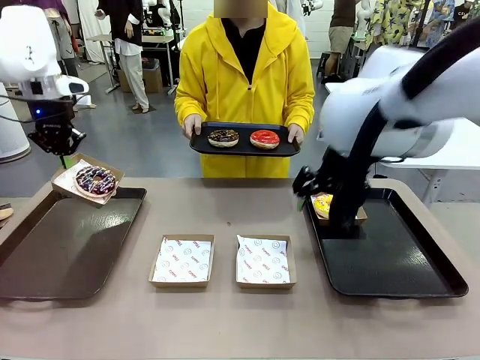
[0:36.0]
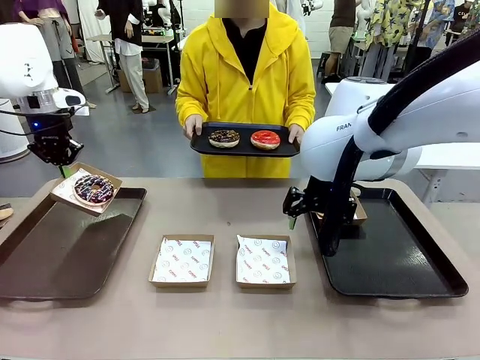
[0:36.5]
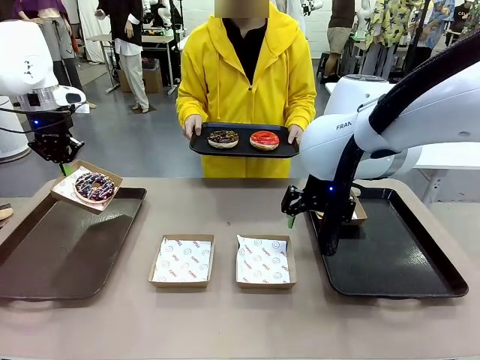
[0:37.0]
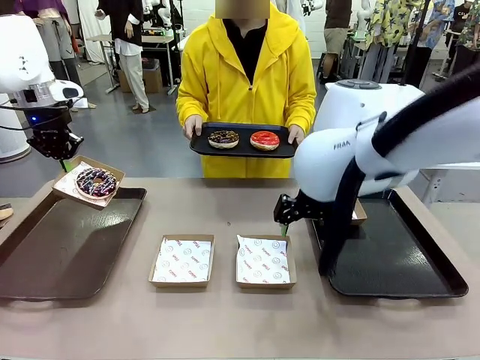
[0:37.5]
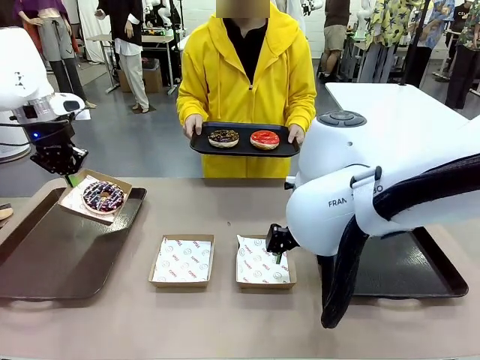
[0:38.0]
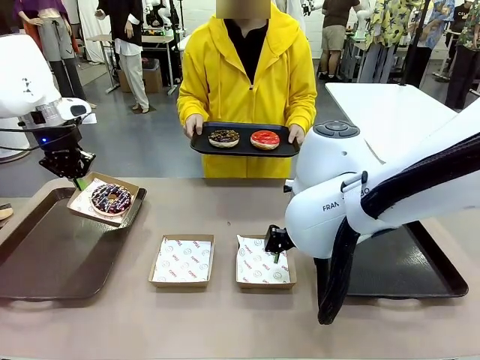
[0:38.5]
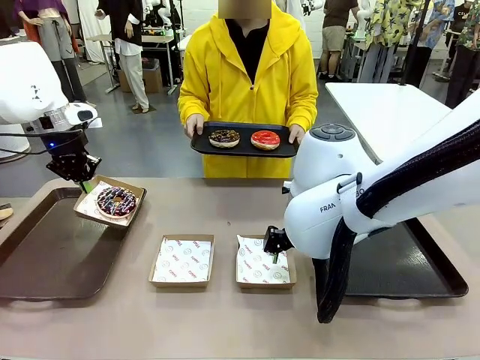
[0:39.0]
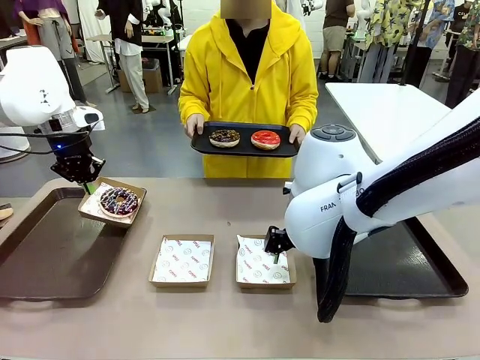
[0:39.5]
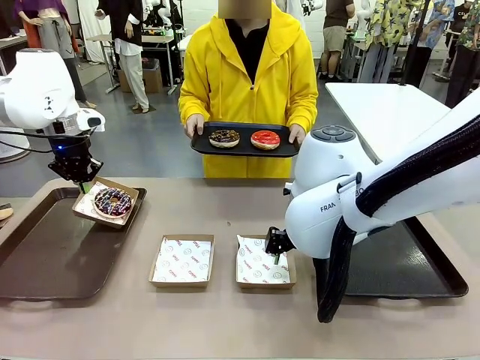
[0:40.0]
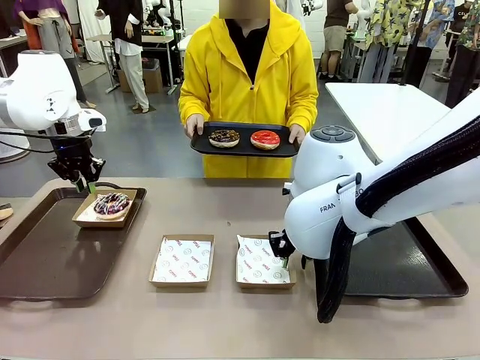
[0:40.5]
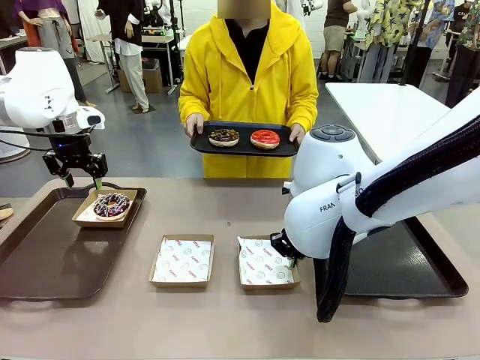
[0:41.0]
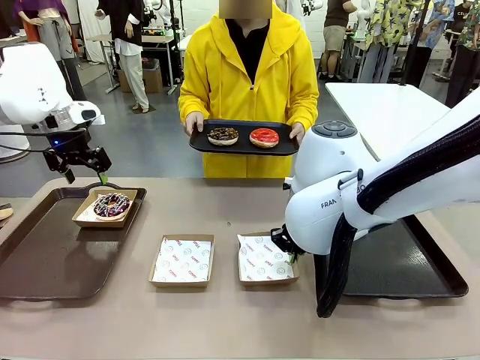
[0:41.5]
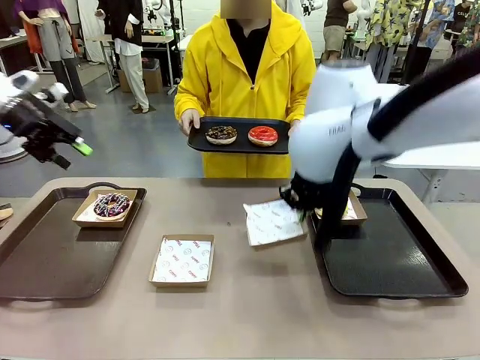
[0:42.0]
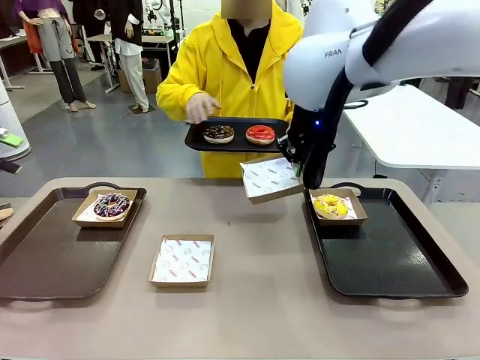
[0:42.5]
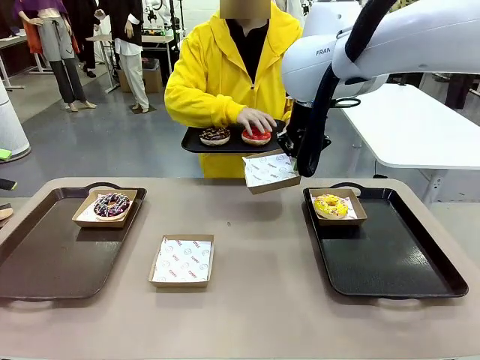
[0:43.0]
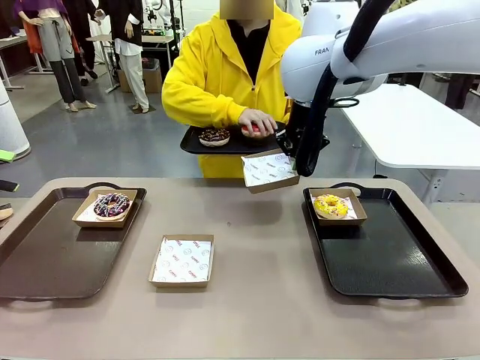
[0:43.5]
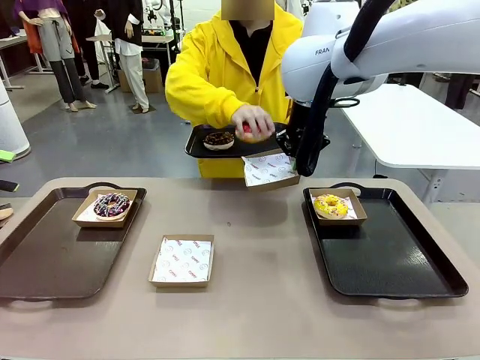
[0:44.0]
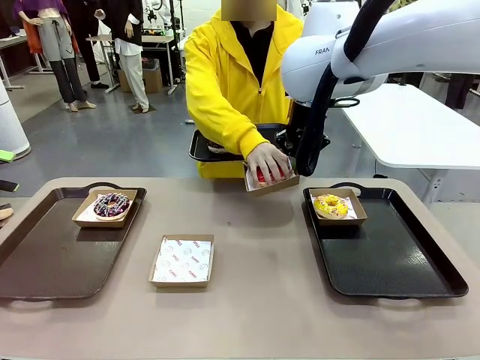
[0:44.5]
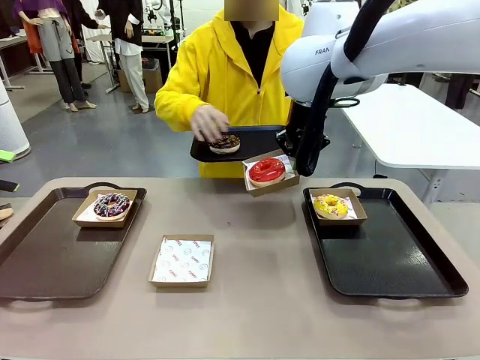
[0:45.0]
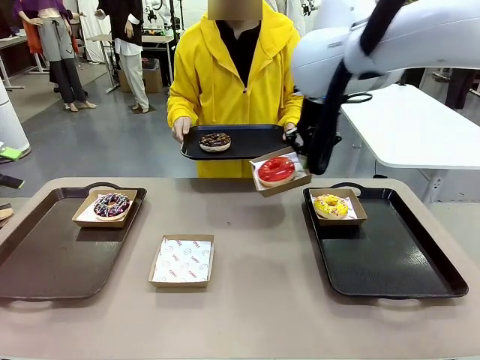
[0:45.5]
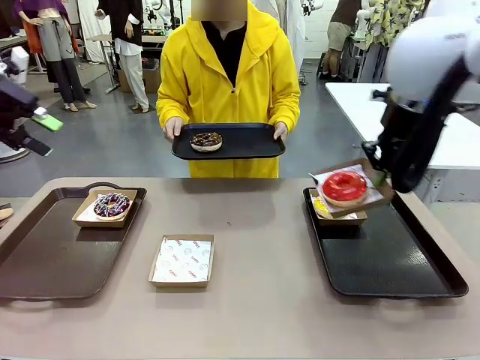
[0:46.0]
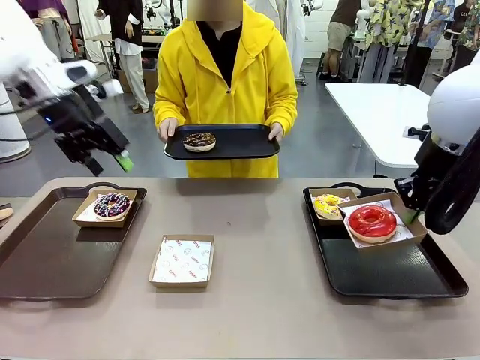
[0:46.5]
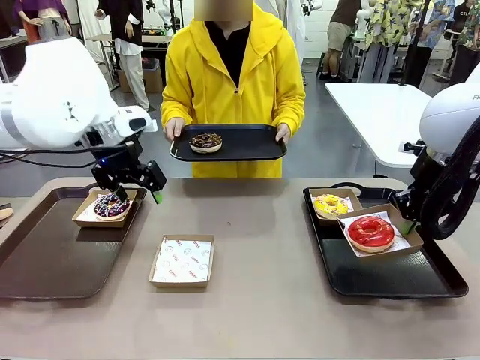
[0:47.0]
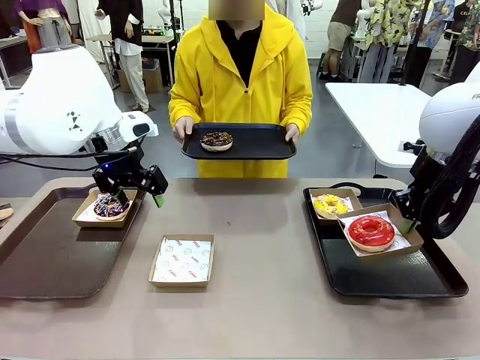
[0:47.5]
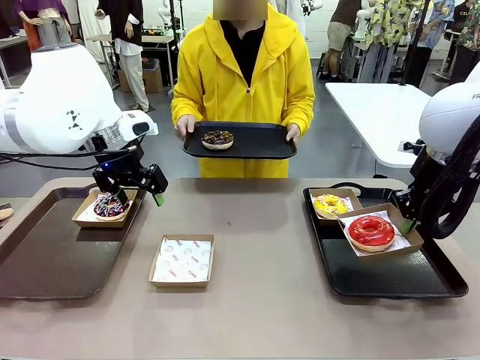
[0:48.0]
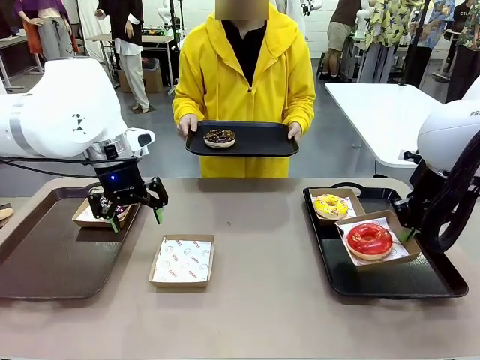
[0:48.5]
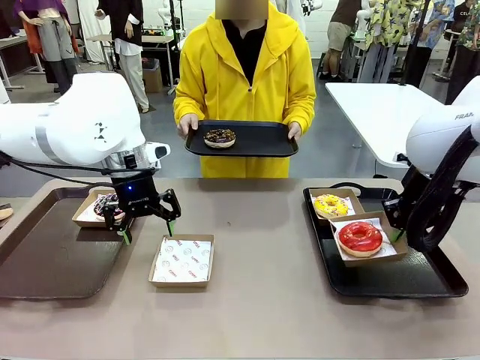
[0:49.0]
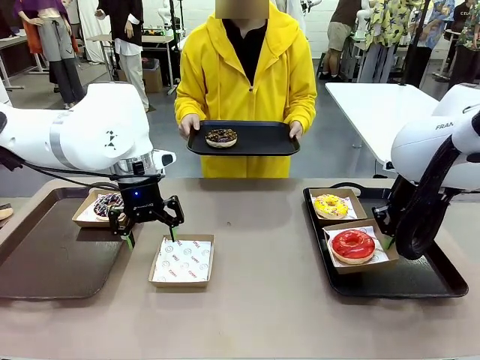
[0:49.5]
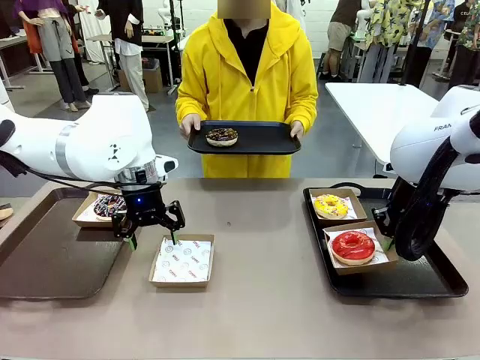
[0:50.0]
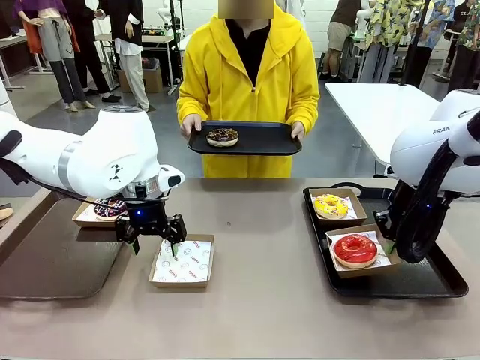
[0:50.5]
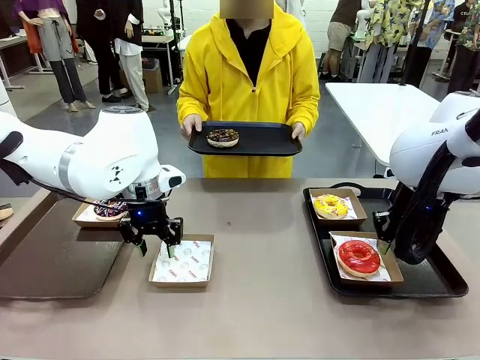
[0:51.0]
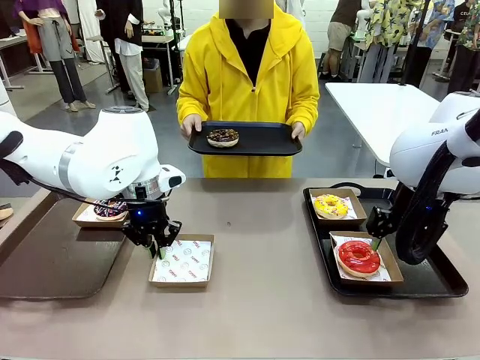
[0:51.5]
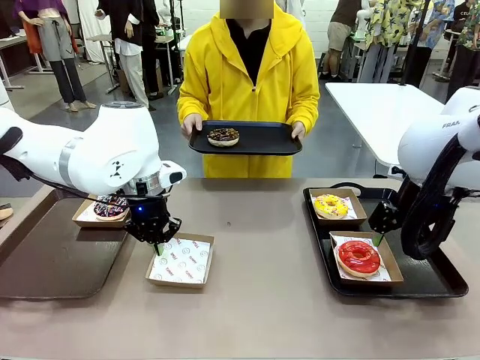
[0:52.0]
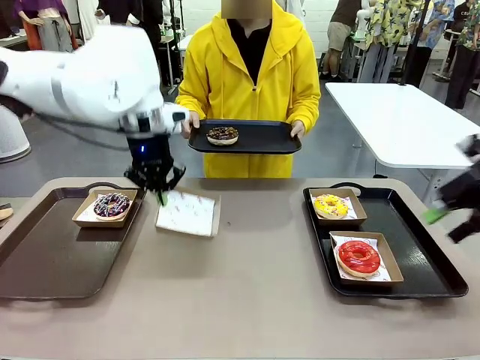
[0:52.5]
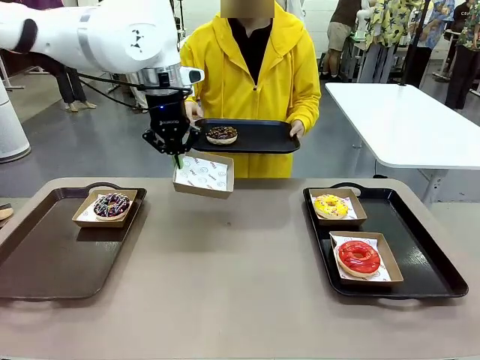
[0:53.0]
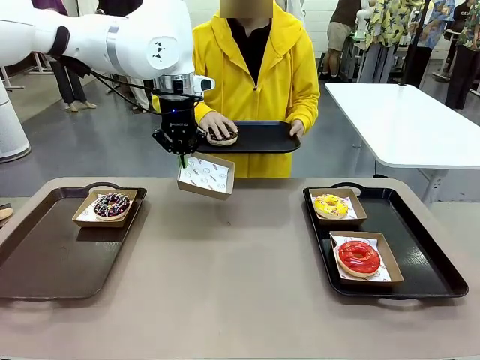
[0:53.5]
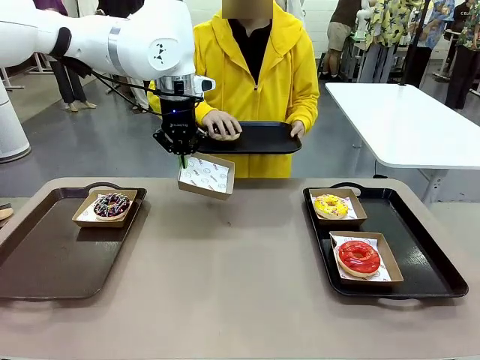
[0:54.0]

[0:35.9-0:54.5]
Task: Individually package the donuts and arrange them on the tray.
Robot: Place the picked Paper togo box on the Handle tray while simultaneously picking up another Paper togo box from the table with the other hand.

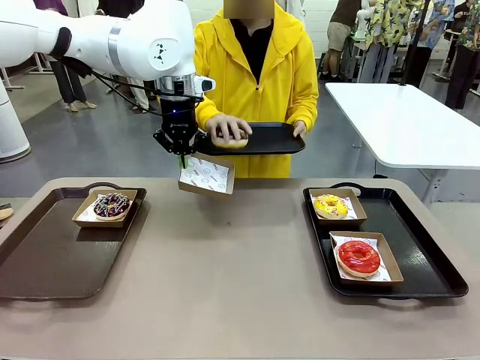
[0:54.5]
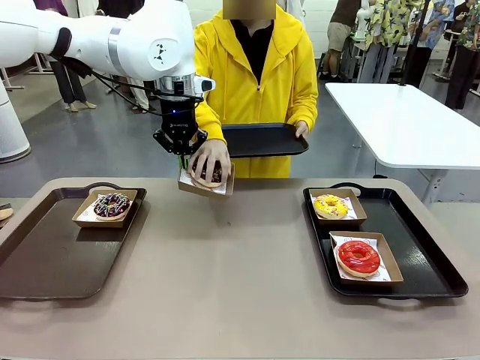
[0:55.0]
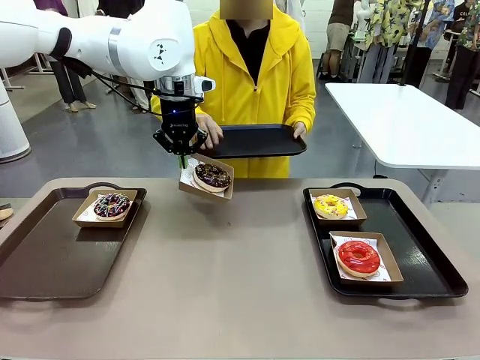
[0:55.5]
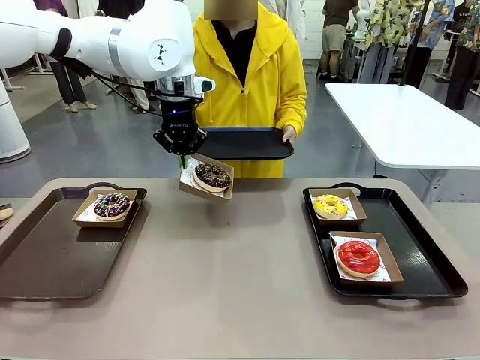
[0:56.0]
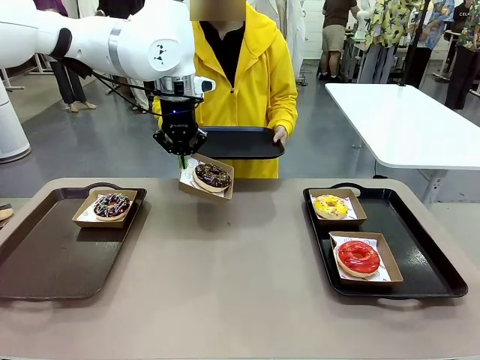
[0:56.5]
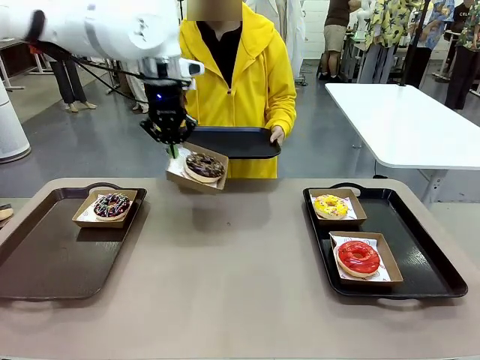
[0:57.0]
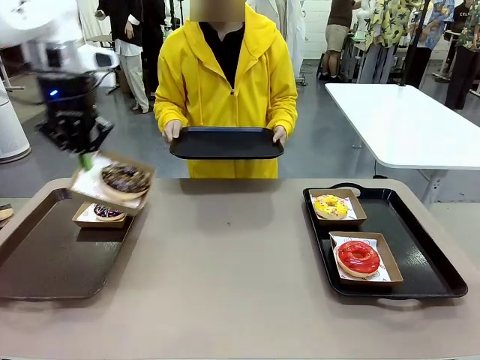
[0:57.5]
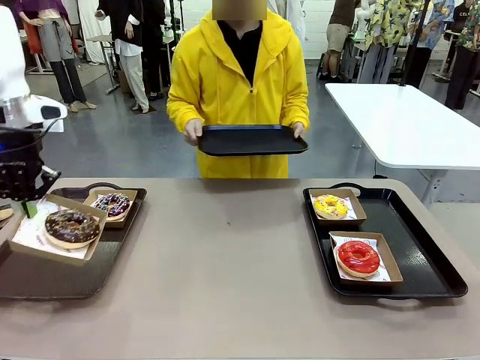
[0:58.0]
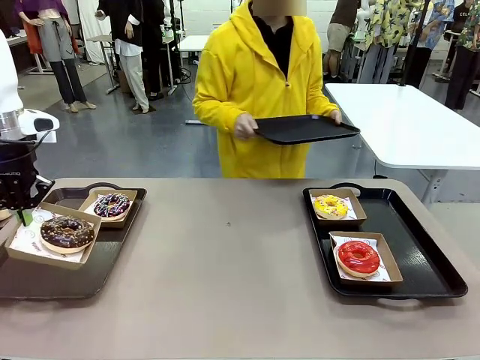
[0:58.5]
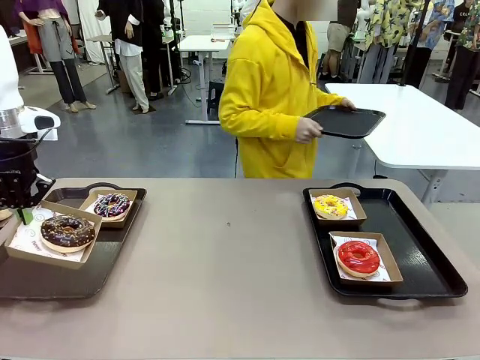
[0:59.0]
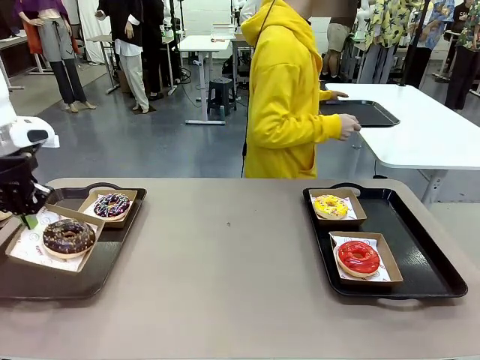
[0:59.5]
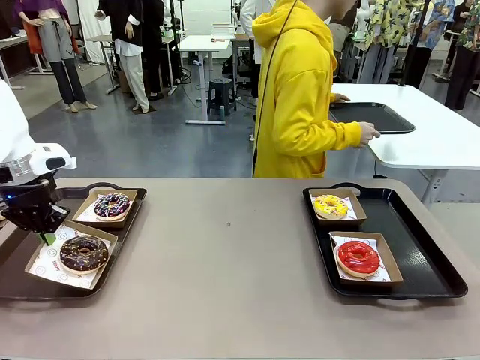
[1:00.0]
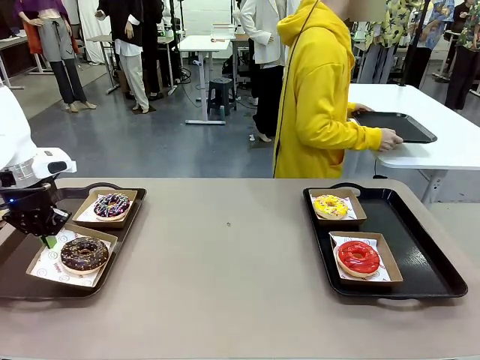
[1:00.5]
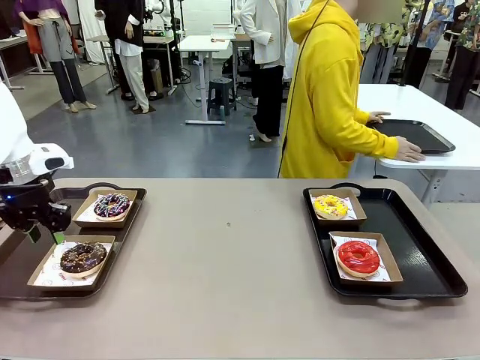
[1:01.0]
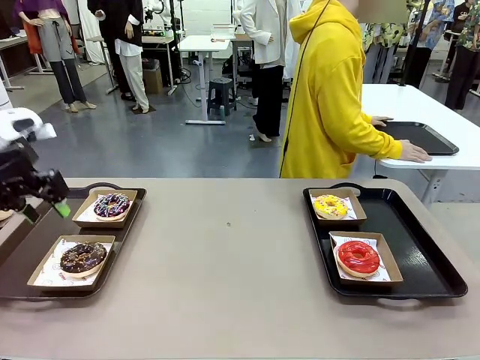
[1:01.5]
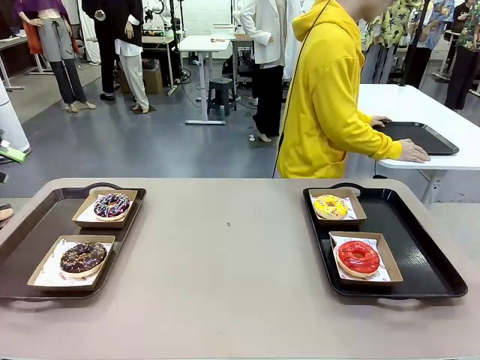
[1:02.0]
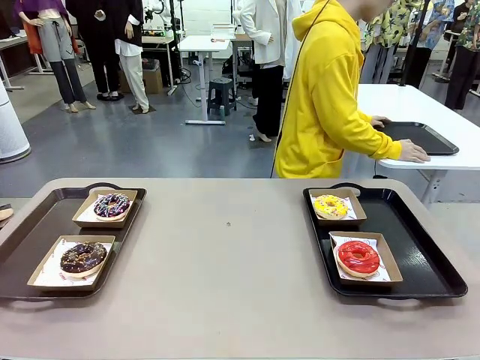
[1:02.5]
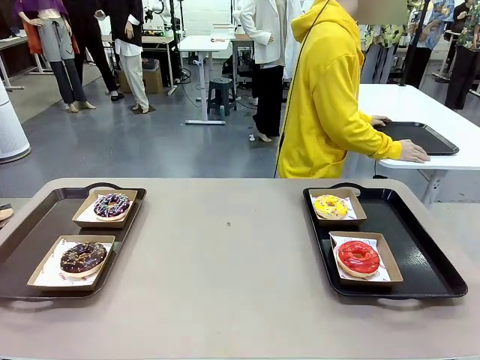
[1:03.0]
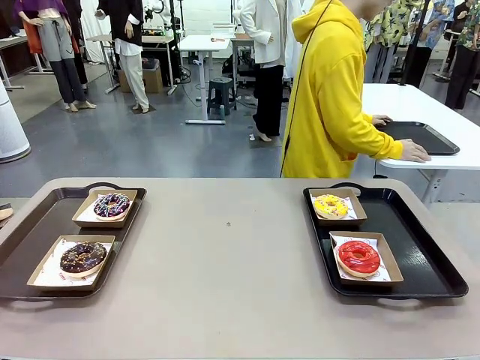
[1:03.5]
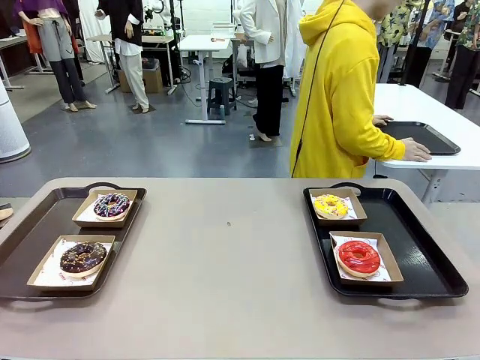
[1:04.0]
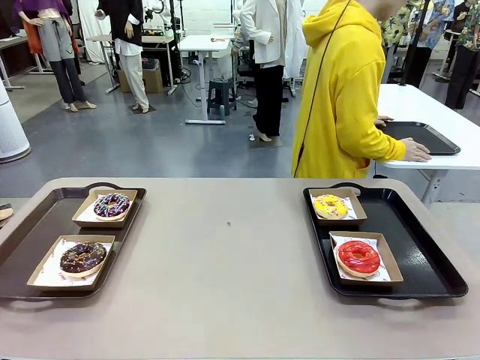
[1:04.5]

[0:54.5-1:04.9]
Robot: Place the picked Paper togo box on the Handle tray.
Person: Place the tray down in the middle of the human table.
